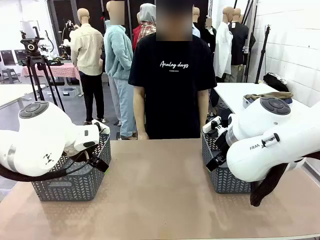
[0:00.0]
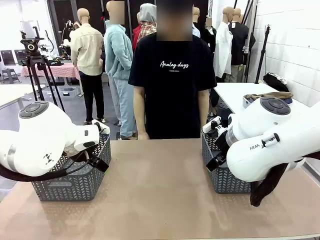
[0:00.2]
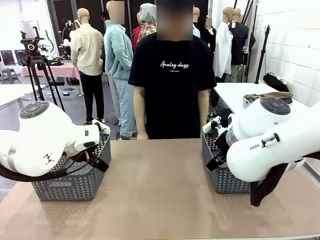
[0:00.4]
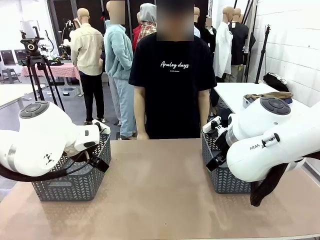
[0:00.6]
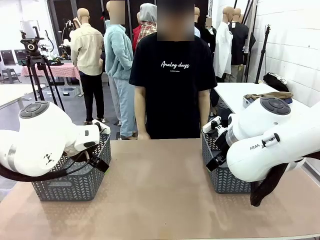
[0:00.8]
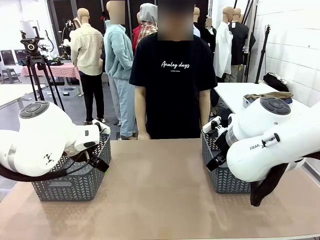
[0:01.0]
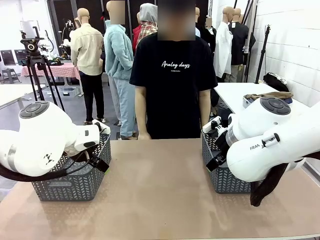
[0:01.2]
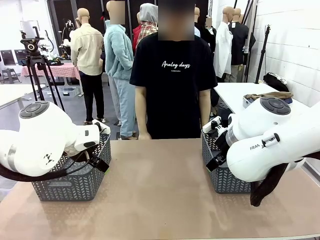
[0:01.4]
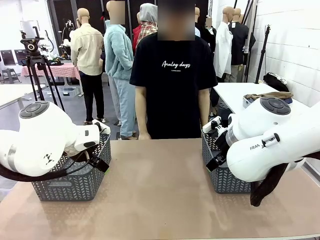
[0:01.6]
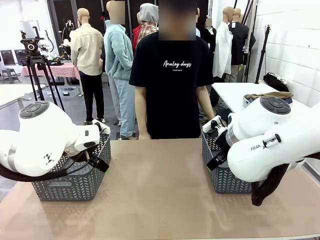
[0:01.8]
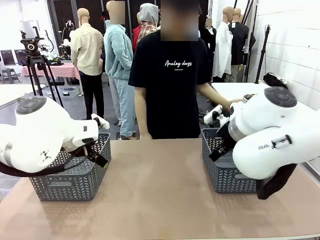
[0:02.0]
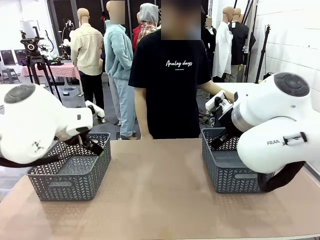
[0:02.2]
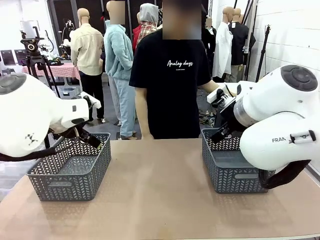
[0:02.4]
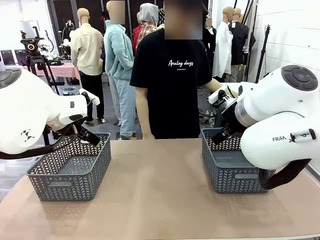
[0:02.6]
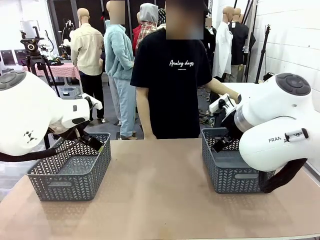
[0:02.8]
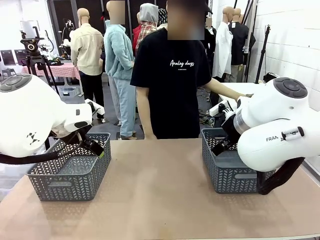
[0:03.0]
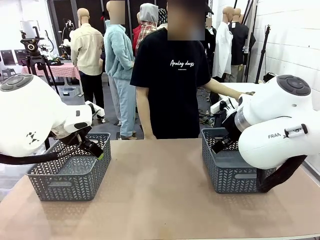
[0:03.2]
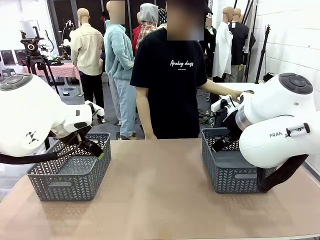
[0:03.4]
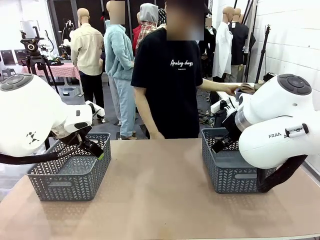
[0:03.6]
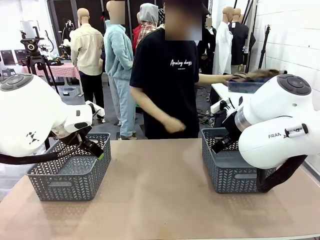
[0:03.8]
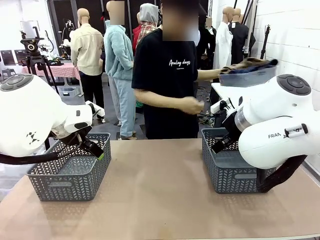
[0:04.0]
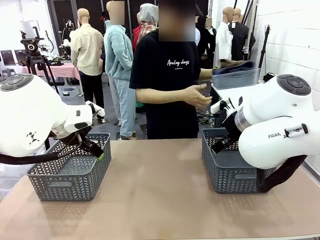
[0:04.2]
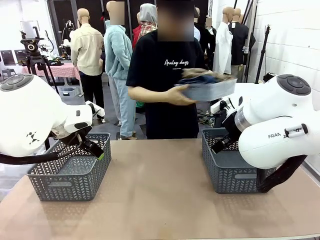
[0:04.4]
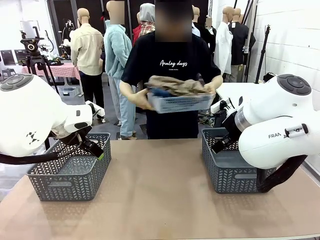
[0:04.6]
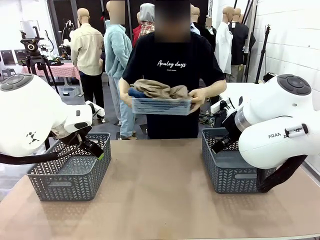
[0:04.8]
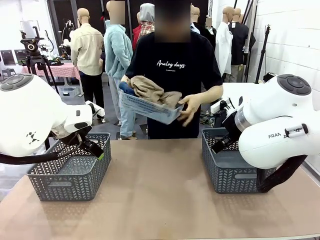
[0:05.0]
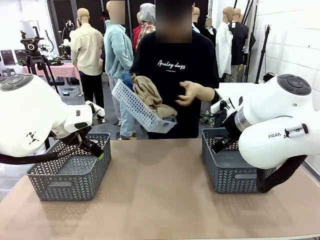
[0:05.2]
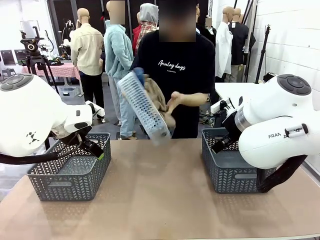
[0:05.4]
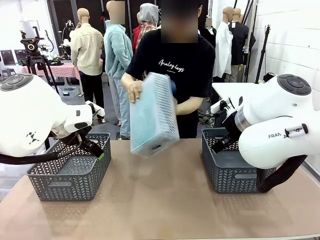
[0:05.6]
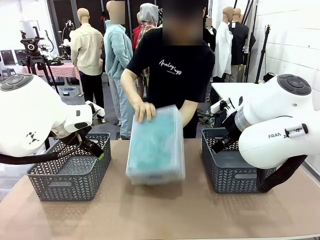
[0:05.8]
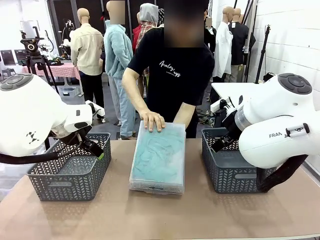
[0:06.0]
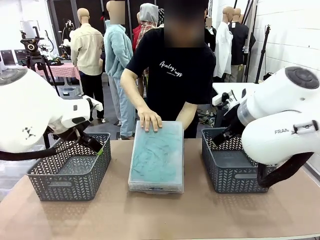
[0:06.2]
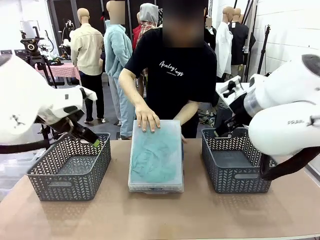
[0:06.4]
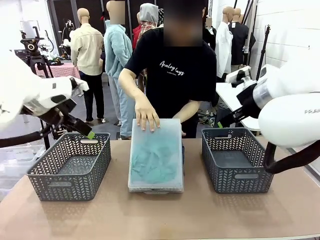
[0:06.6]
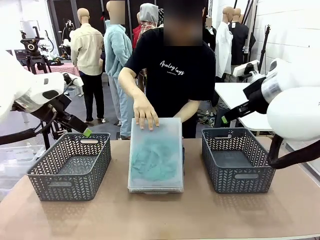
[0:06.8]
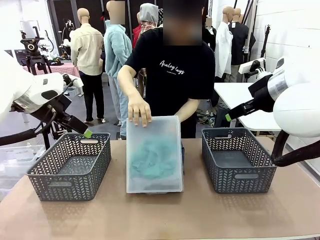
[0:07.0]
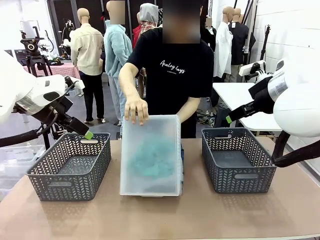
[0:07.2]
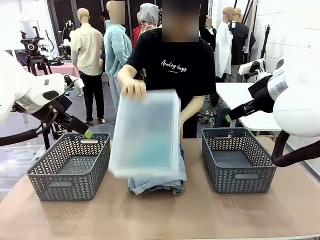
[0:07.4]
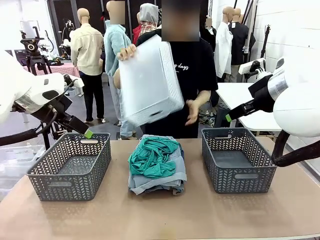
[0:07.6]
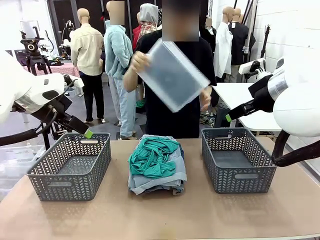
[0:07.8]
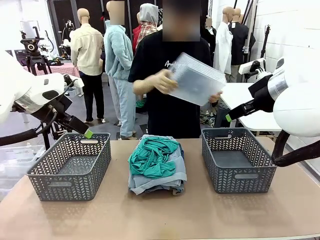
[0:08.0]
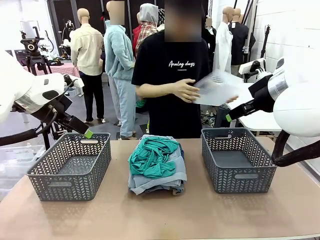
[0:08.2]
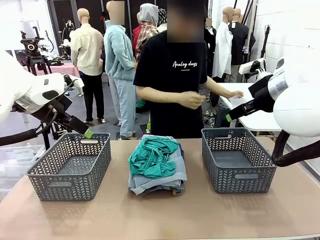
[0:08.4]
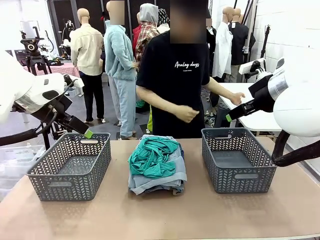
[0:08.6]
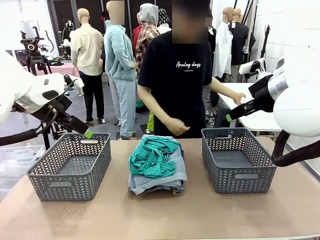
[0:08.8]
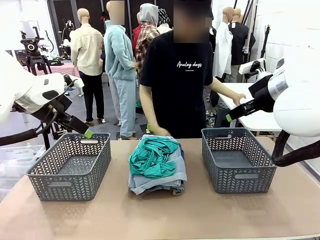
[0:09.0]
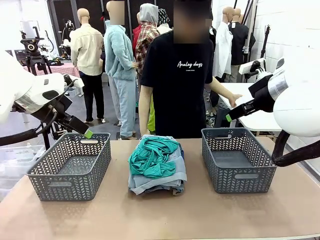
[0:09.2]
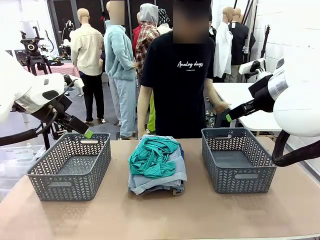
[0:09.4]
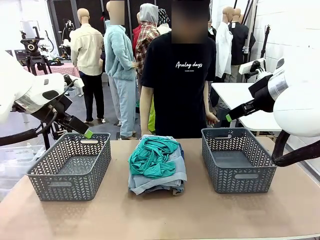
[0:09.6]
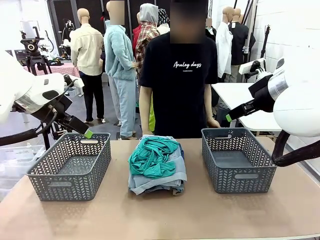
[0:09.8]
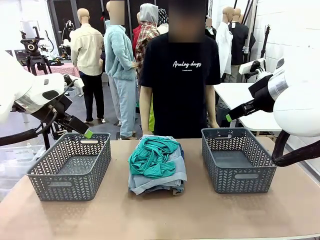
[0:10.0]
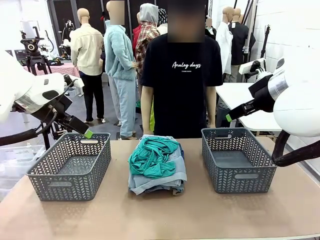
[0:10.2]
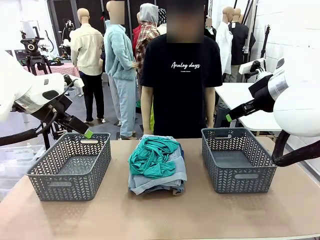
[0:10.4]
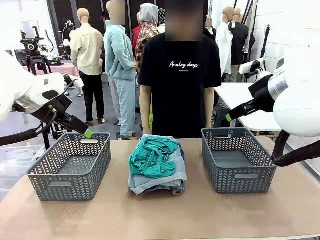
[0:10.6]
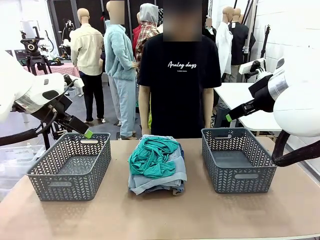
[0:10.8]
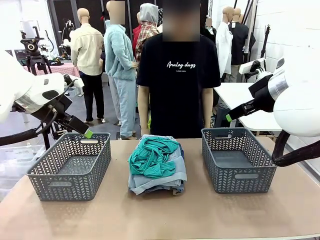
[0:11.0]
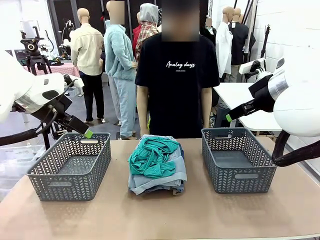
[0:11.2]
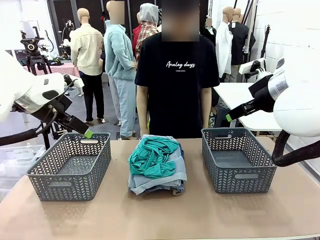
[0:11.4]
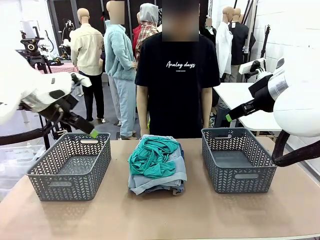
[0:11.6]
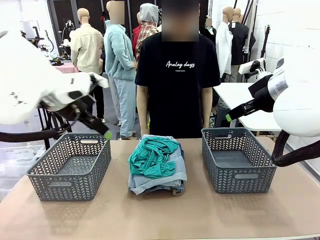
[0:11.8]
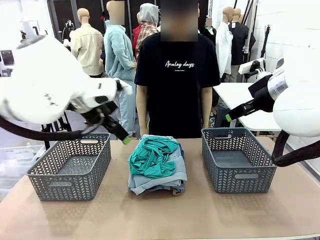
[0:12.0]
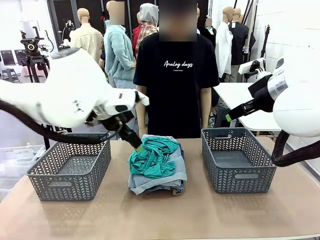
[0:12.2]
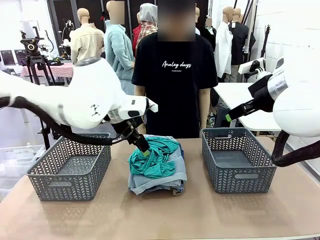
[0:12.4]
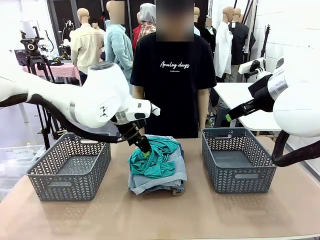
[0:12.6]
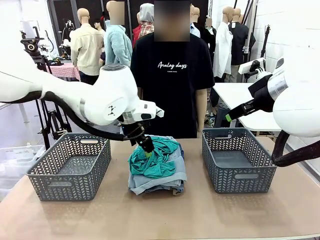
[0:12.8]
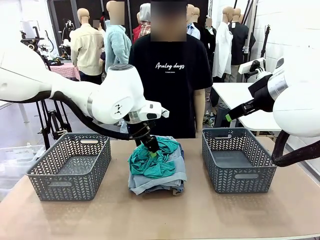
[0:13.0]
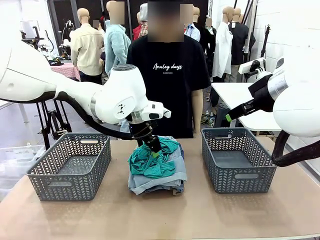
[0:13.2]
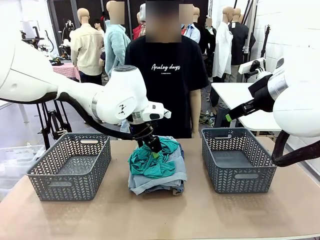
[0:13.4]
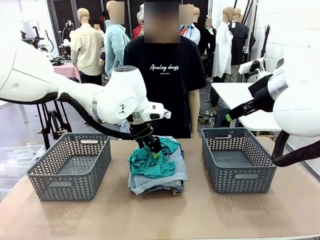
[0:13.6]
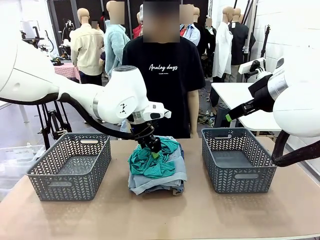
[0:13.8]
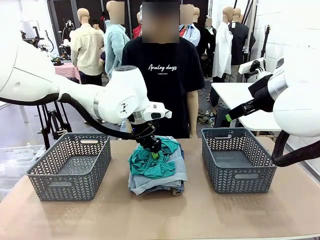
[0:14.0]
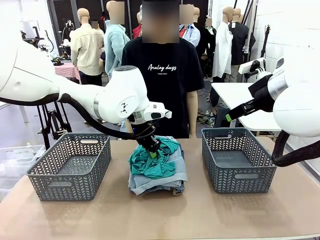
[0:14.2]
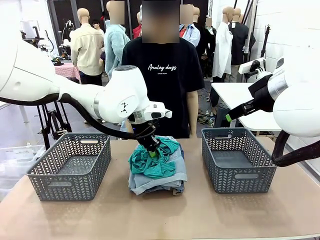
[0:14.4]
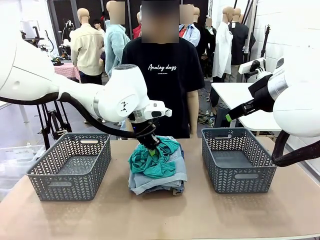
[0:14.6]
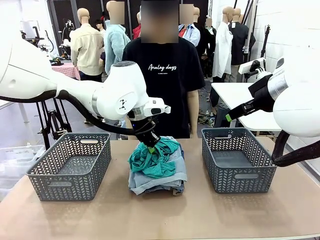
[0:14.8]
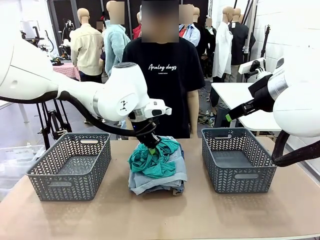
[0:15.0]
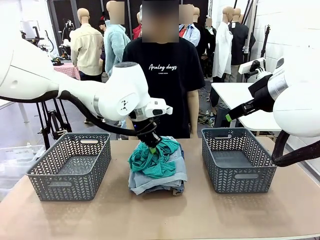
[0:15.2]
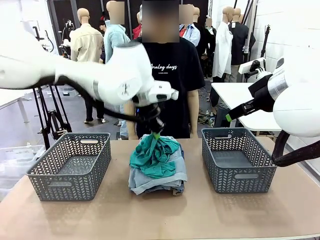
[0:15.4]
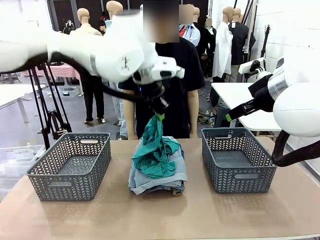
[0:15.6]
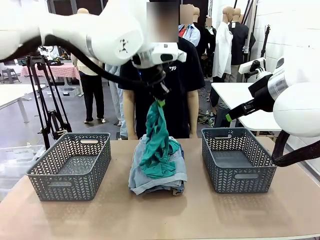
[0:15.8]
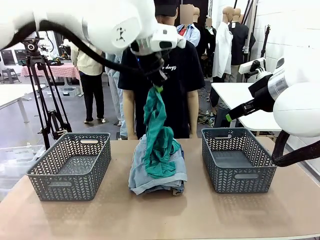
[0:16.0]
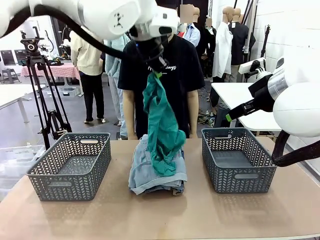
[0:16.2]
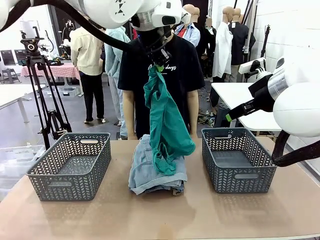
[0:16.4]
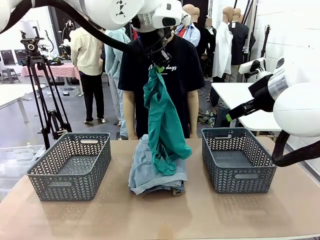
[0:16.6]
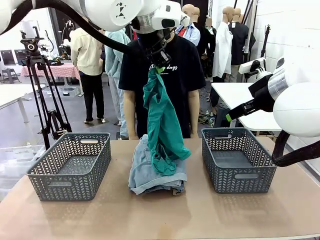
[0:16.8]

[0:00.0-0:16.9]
Task: Sort the tops and bottoms.
Robot: Lift clothes from the center of the table with your left hand.
Person: Pour the clothes from the basket onto the center of the robot table.
